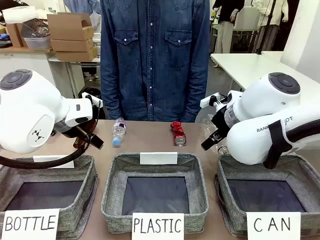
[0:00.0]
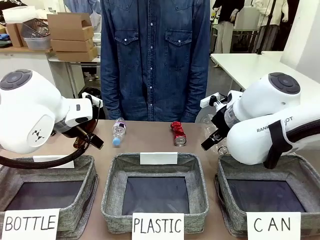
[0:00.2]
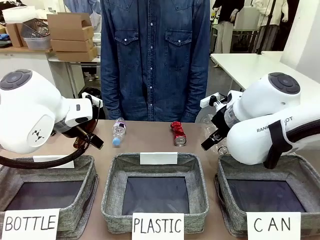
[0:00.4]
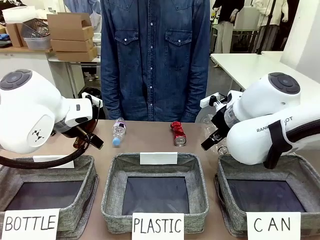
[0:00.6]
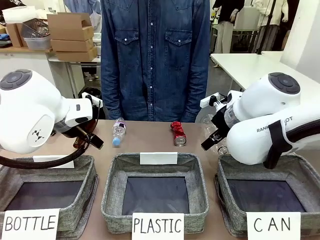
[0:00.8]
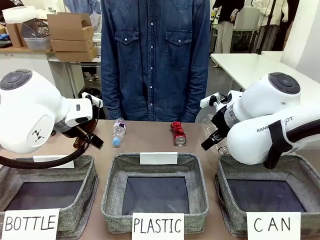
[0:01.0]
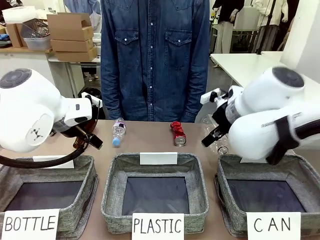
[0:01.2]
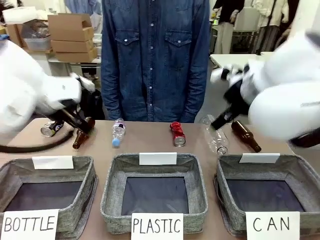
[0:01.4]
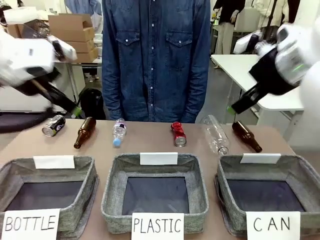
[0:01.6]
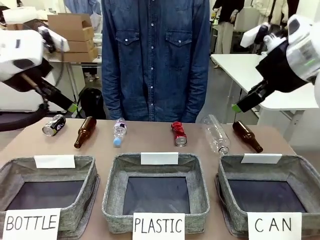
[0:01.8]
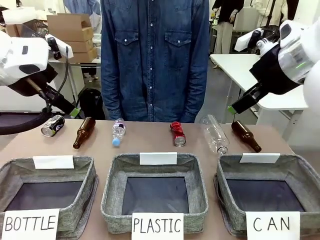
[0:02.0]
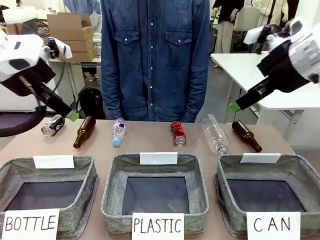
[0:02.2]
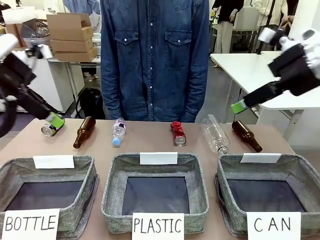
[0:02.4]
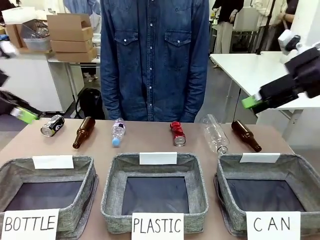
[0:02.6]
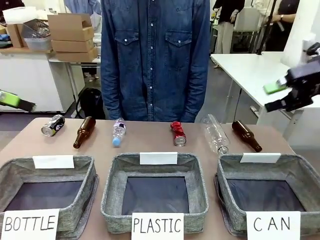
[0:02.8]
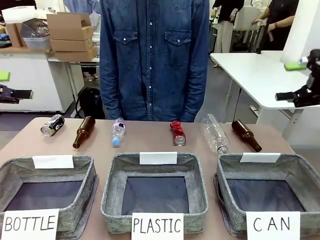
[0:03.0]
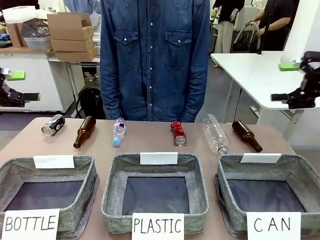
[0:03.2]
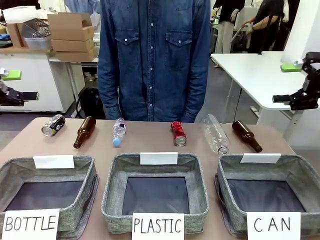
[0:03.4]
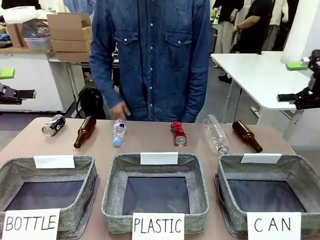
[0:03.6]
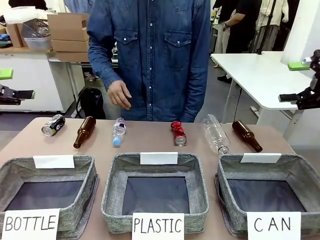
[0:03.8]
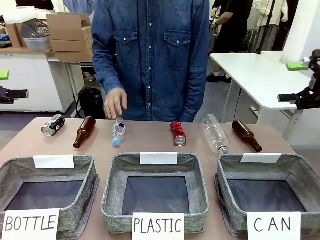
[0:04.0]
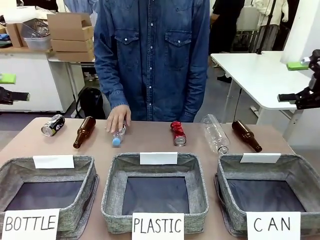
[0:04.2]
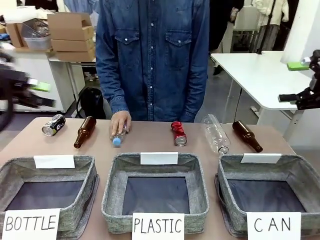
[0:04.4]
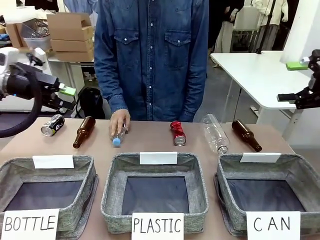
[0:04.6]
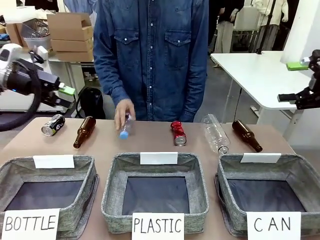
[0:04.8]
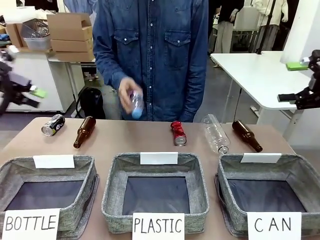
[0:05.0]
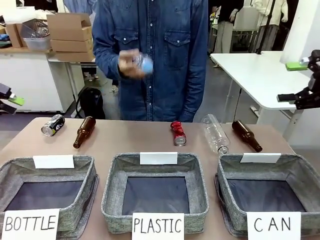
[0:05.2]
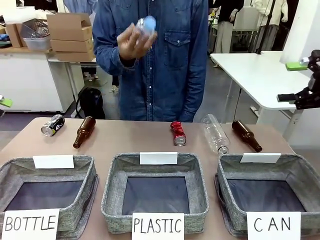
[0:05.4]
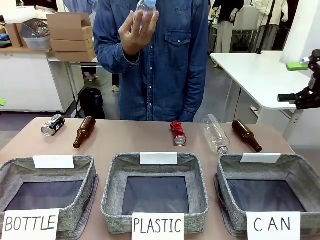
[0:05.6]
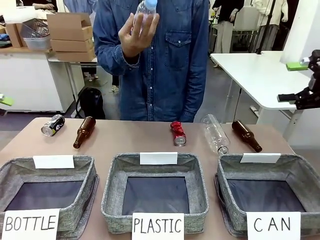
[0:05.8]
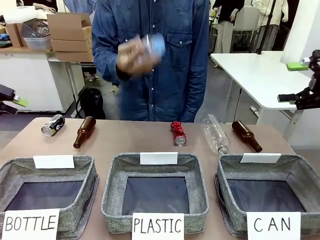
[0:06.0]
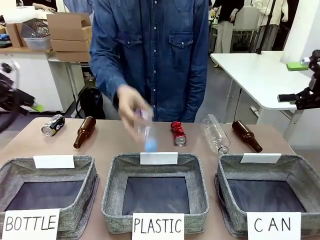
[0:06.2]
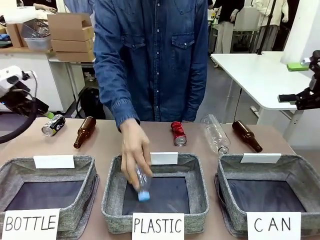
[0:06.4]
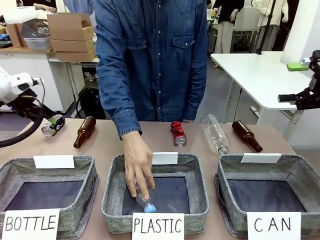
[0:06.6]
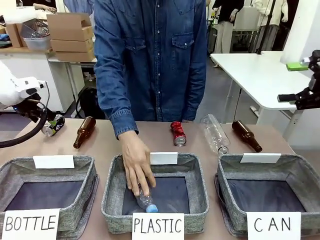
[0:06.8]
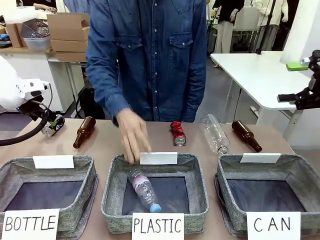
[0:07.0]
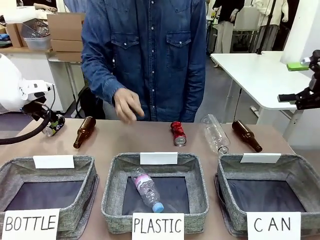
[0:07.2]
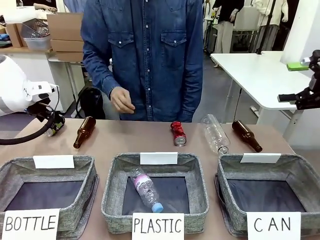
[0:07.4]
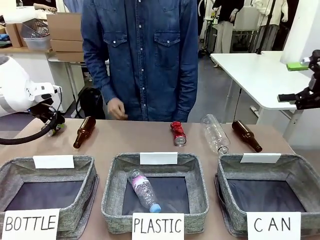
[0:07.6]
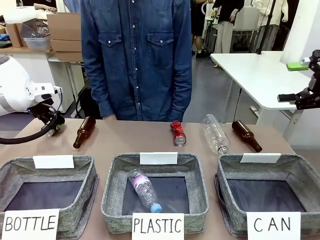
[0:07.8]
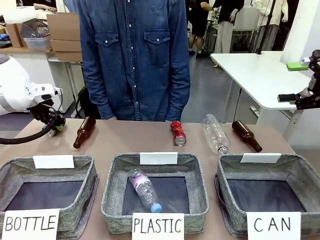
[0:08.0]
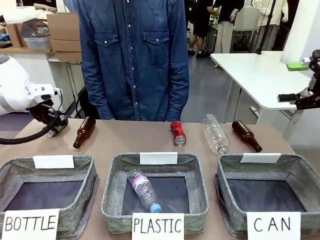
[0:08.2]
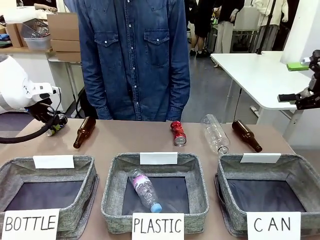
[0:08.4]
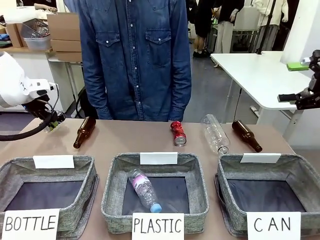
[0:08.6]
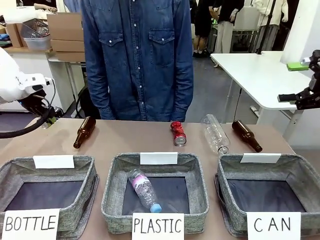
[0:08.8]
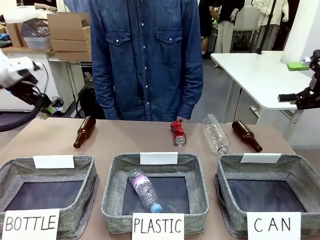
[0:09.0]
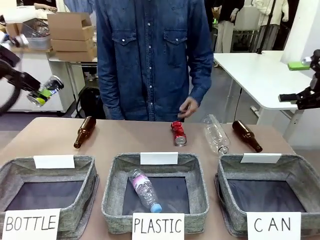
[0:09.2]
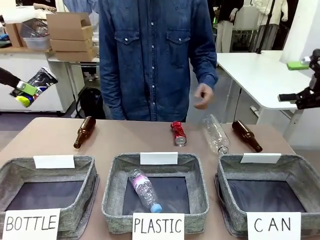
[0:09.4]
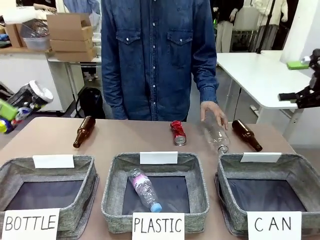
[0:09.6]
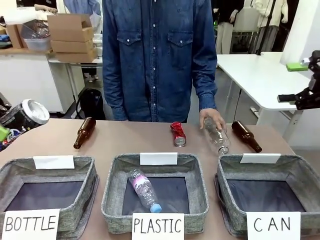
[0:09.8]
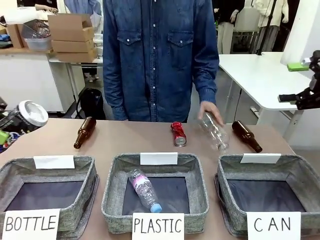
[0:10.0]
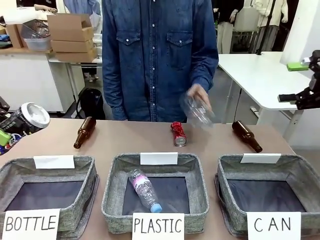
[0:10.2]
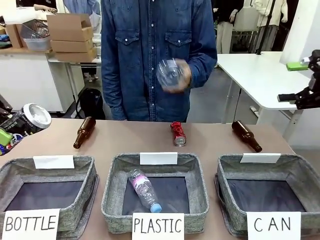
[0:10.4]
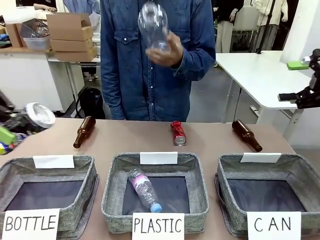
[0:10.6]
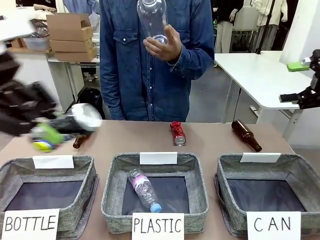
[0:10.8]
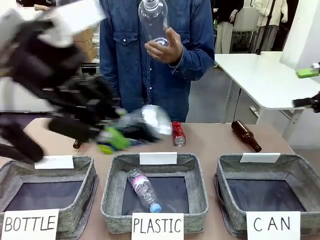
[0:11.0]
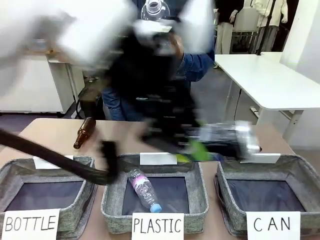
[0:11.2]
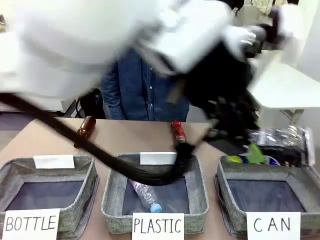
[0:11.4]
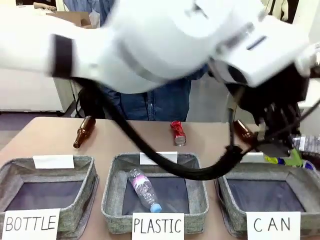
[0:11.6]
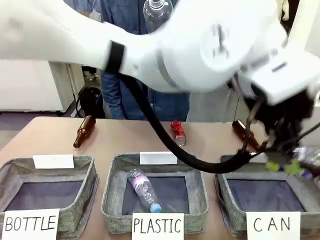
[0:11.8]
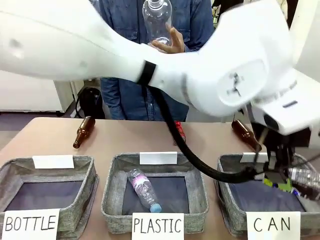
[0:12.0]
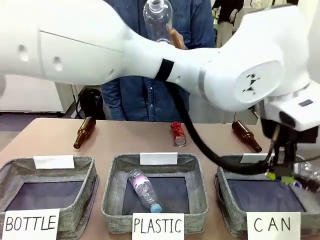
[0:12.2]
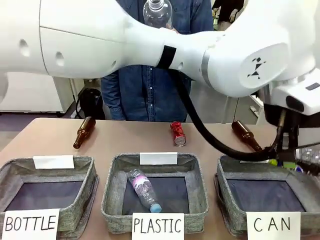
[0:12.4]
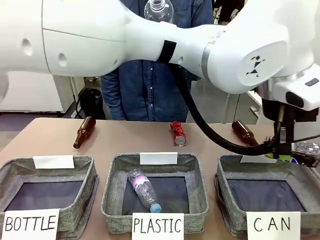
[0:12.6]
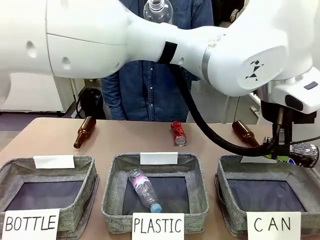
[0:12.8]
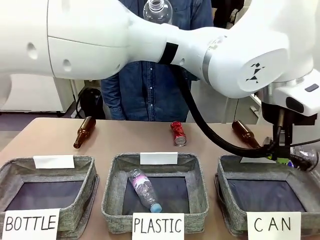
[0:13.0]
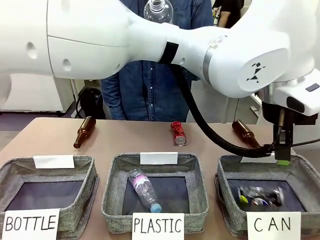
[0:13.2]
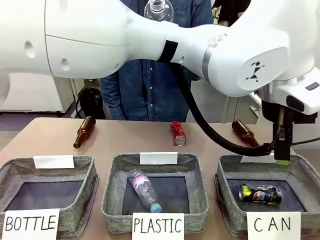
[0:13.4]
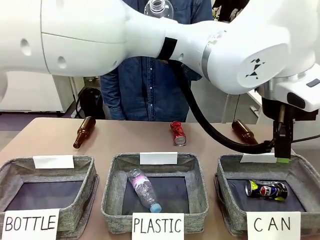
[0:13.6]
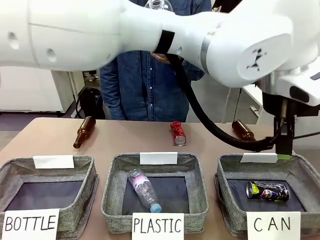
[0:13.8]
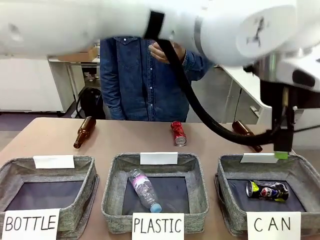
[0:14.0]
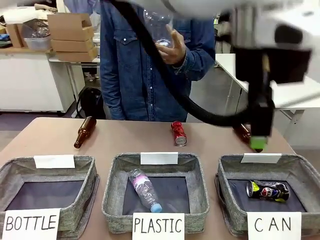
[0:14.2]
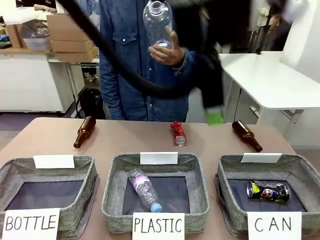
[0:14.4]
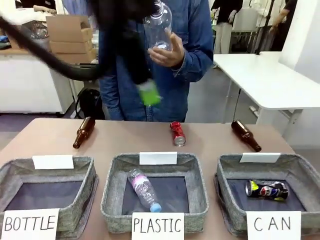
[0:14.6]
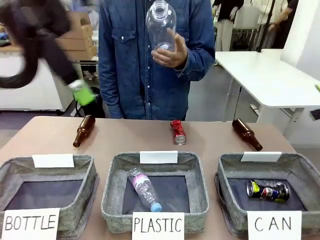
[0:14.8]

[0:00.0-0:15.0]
Task: Sort the can waste into the basket.
Robot: Pick up the can waste from the table and place it in the right Fabric basket.
